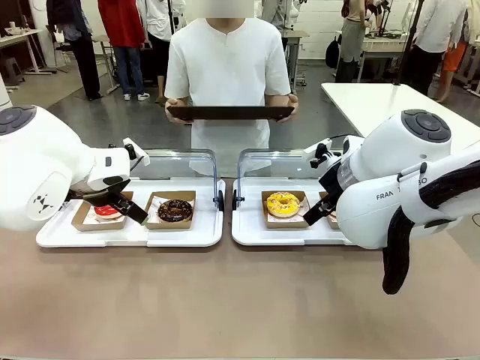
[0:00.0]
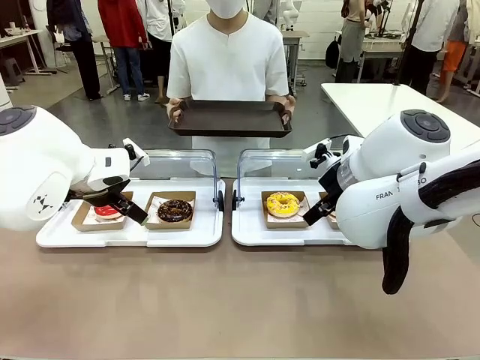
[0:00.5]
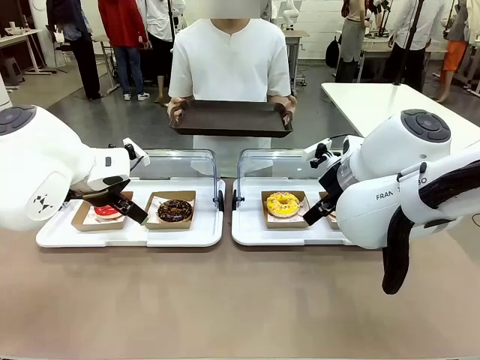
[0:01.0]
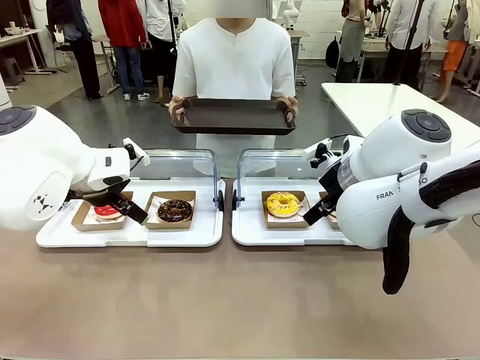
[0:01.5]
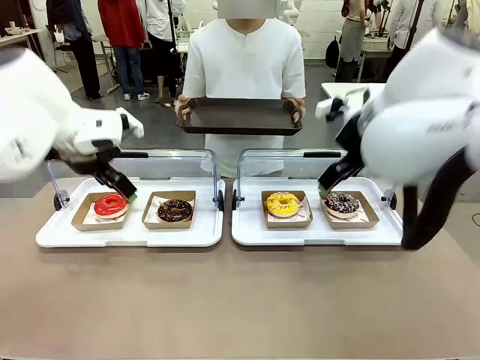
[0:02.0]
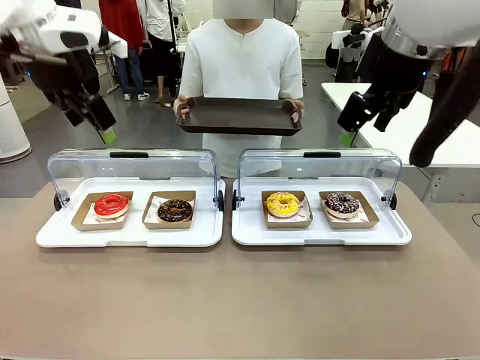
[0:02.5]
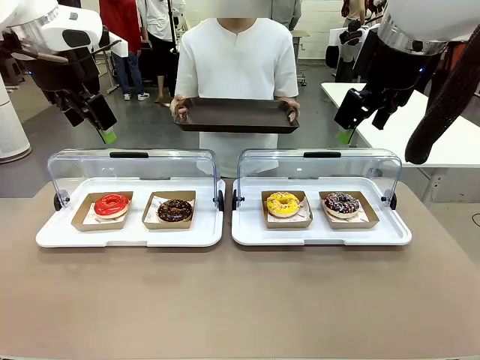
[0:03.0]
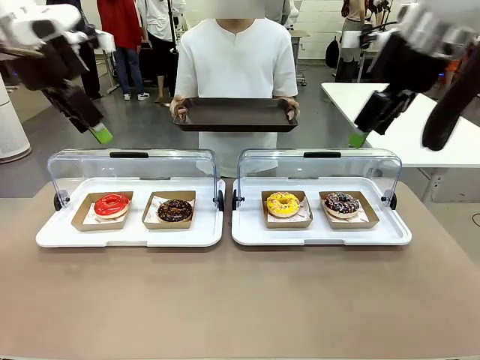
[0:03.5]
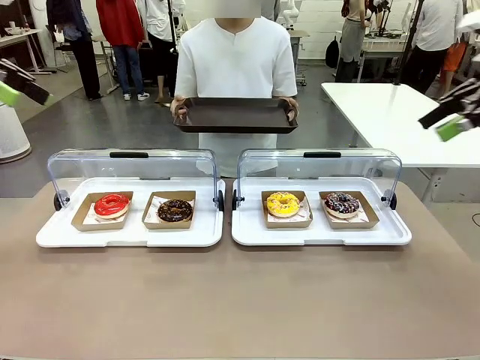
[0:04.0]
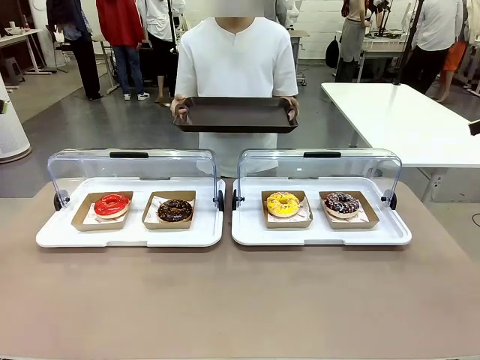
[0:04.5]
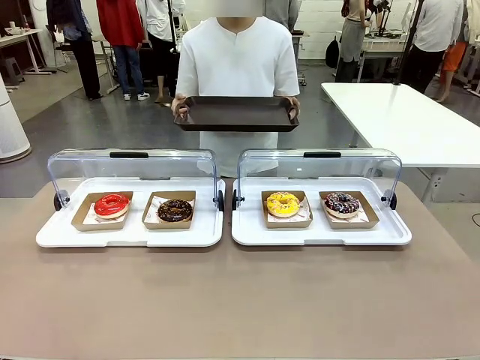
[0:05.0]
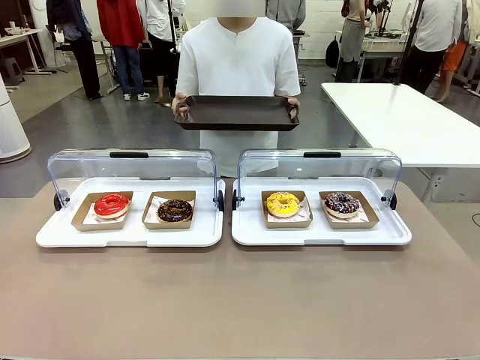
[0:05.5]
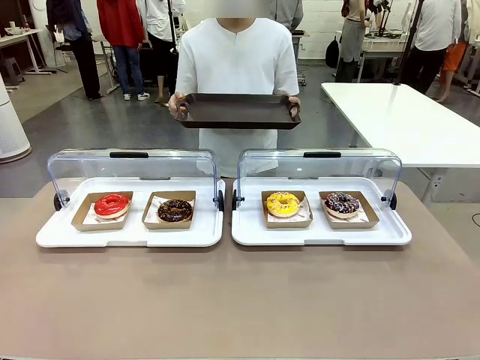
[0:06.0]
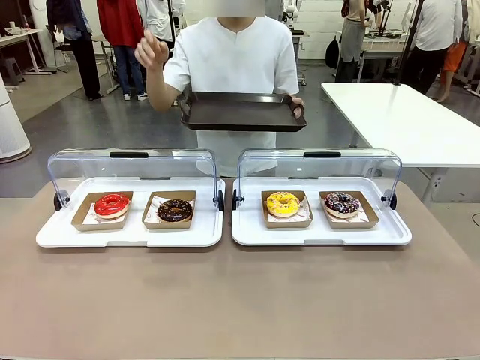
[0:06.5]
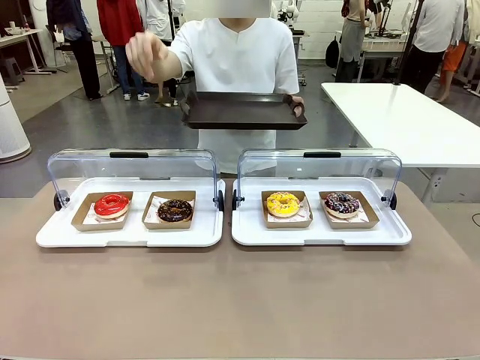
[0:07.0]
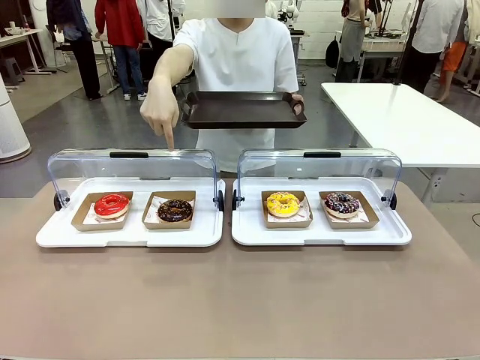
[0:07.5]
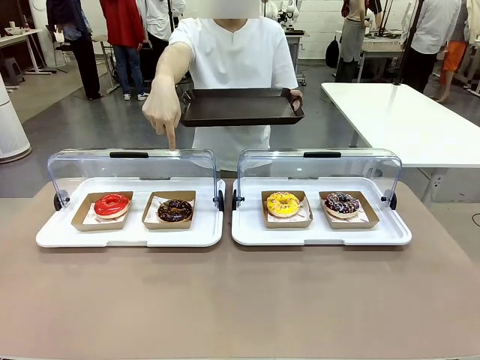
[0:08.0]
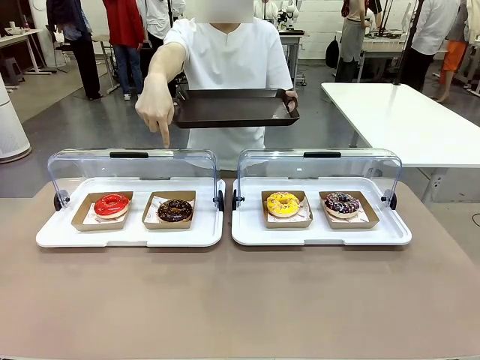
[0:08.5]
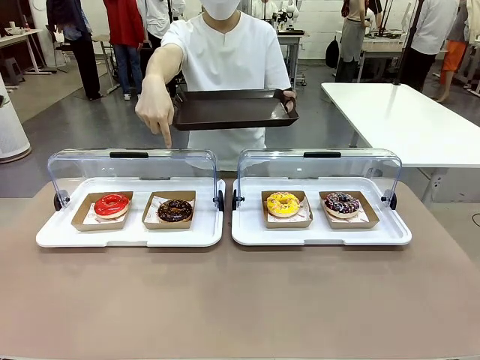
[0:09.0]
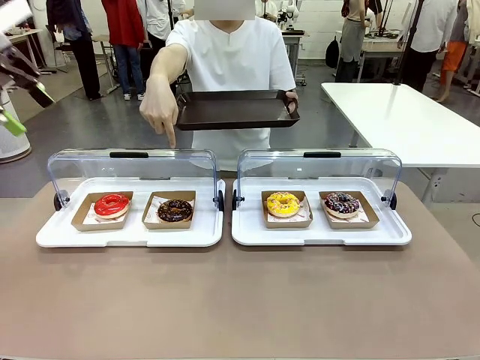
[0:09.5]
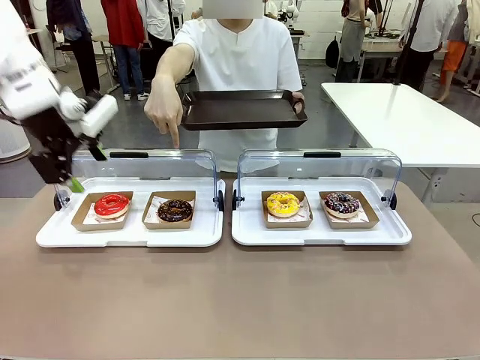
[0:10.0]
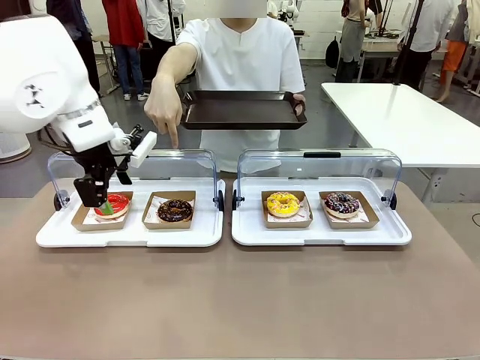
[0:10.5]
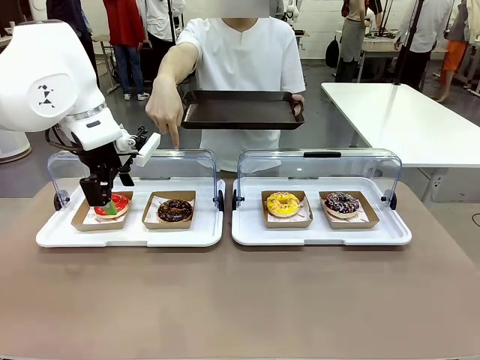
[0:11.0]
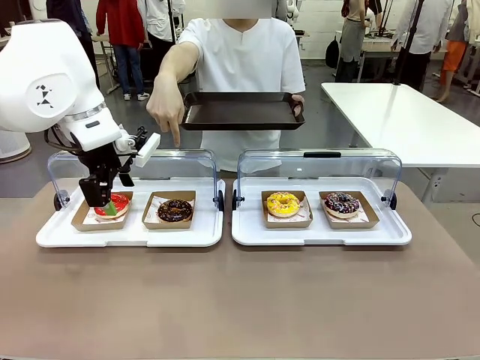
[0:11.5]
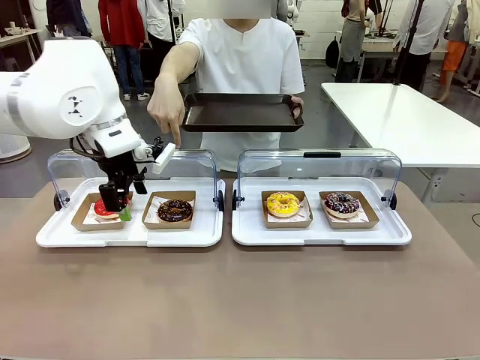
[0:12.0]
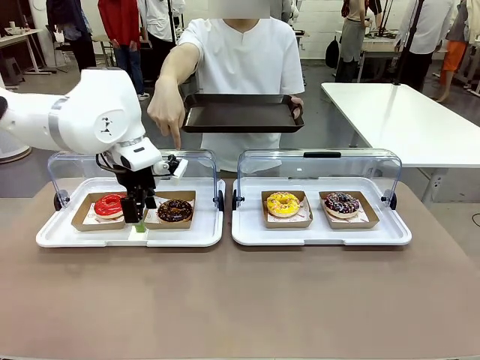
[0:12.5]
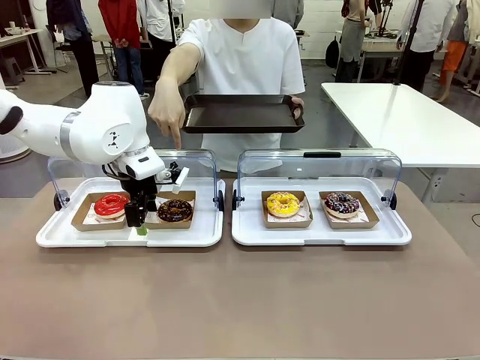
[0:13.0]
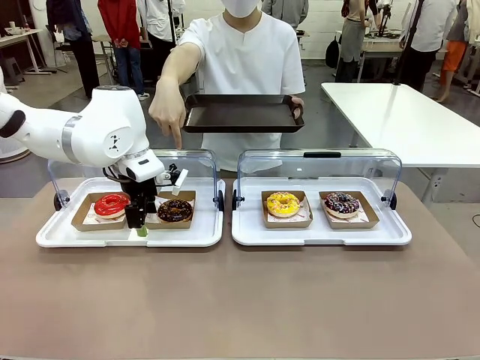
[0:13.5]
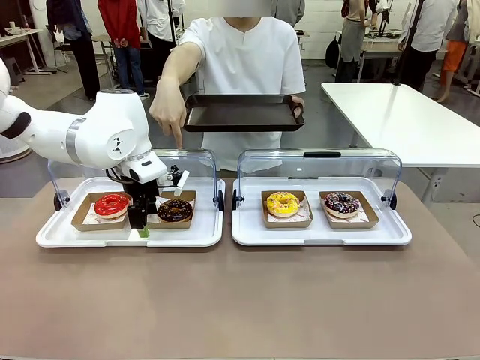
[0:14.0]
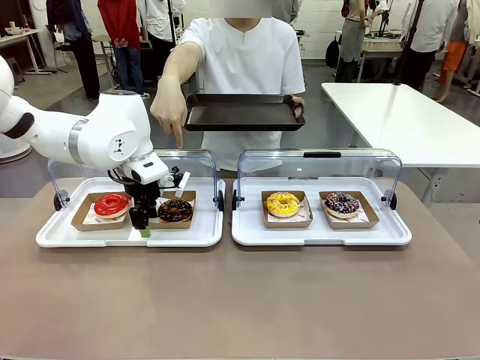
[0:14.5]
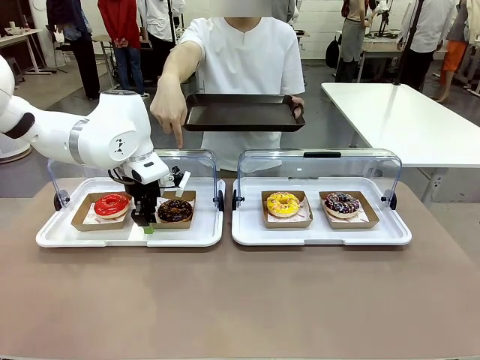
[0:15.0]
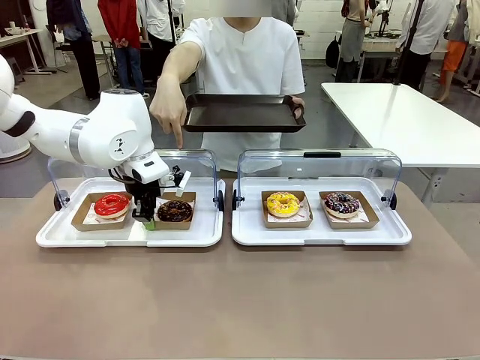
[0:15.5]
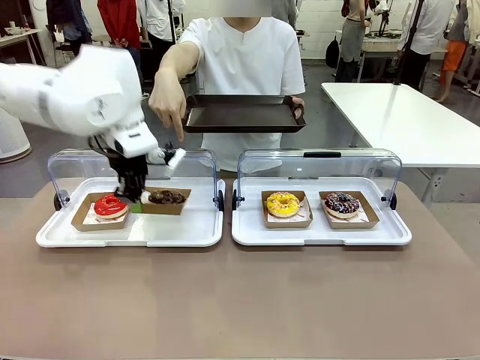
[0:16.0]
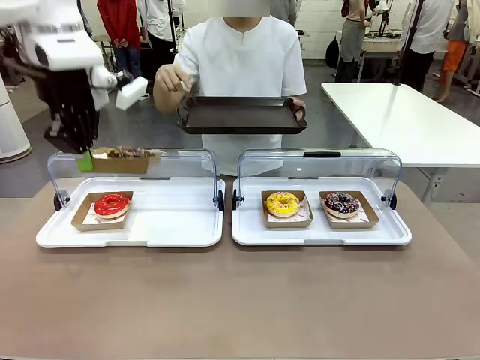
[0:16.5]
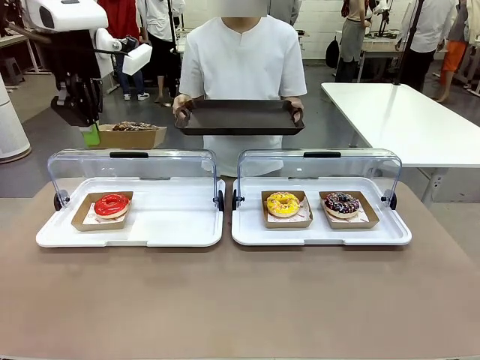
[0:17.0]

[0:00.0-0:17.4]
Task: Provide the desired donut to the person.
Robot: Pick up and lift the Paper togo box containing the Donut pointed at by the person.
Person: Point to one donut. Lift the tray onto the Roll-Top Bakery Case.

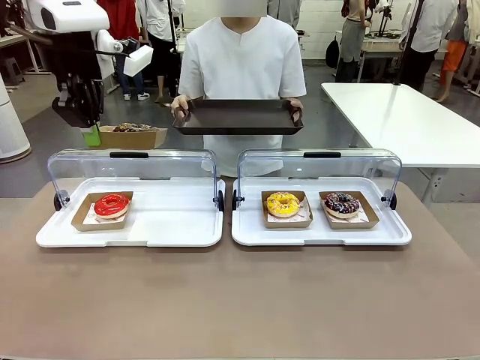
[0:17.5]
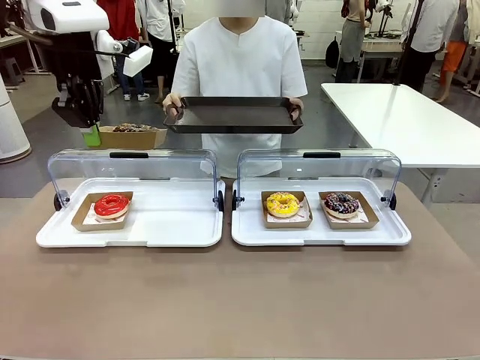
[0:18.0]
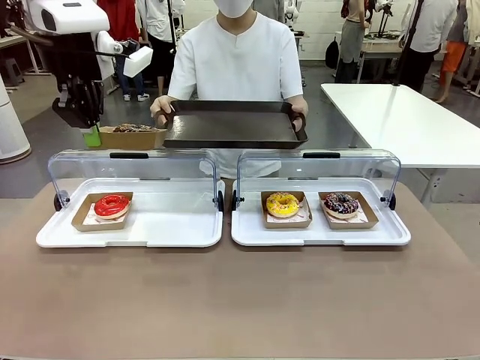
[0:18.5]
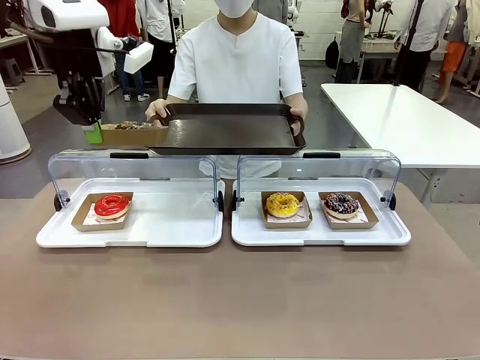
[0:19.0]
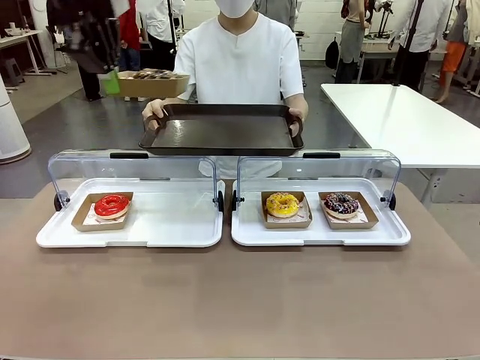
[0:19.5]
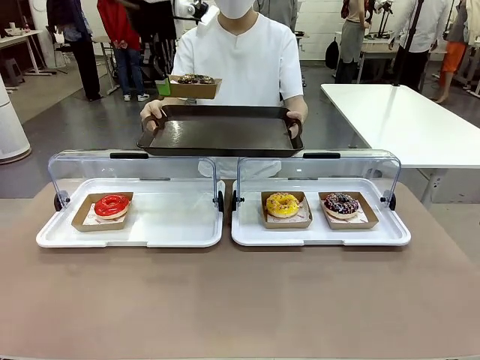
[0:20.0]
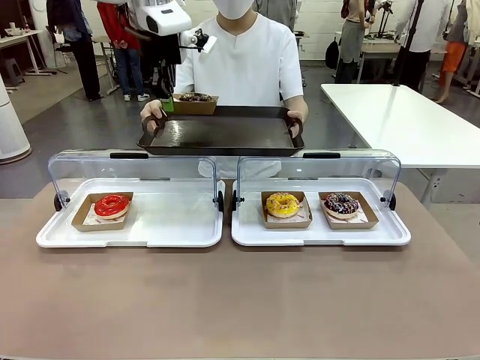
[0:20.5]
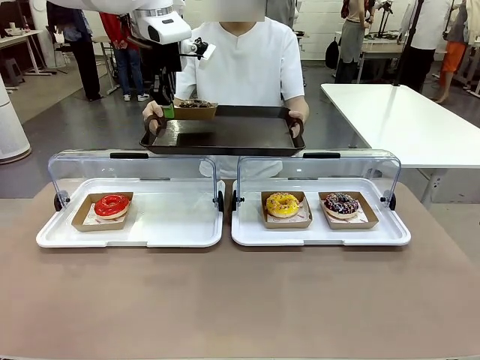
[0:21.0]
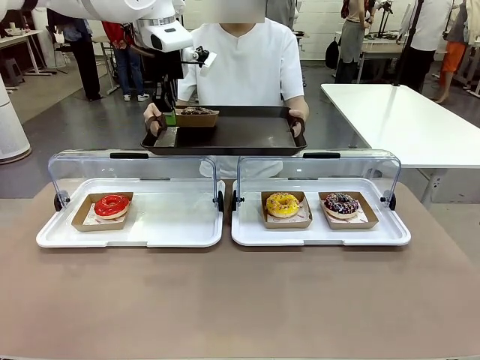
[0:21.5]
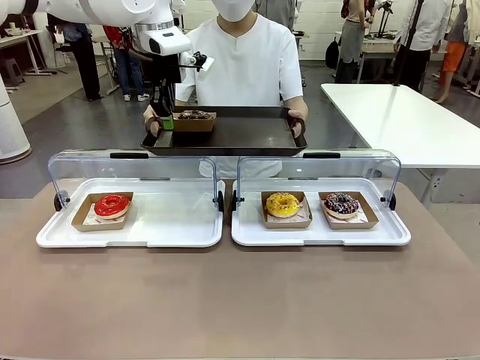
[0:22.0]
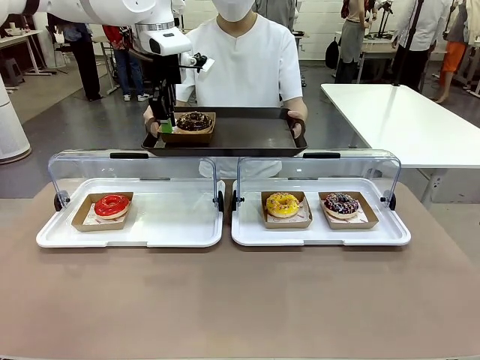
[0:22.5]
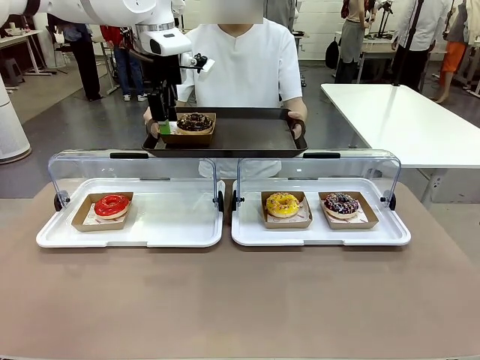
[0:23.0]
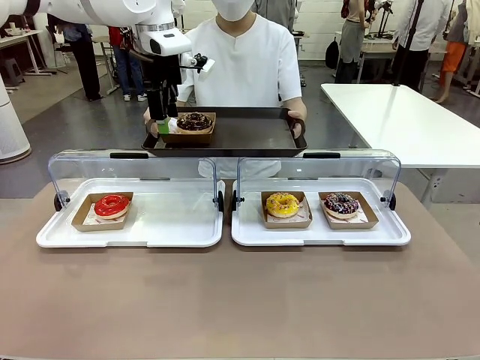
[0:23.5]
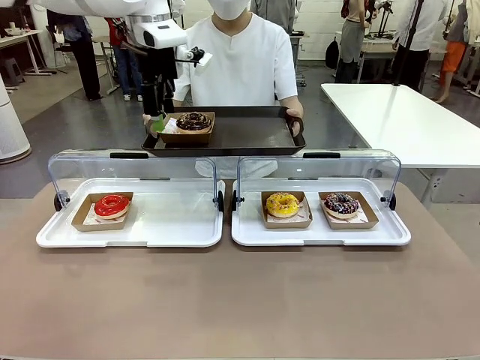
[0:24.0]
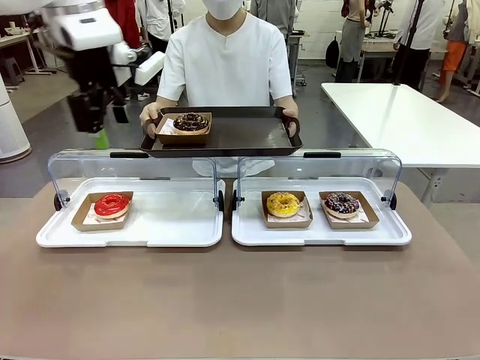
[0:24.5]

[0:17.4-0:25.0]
Robot: Place the picked Paper togo box onto the Handle tray extended by the person.
